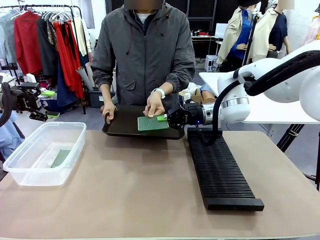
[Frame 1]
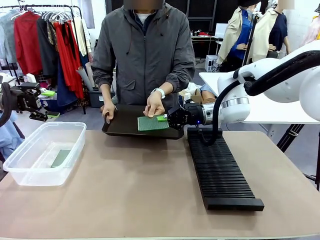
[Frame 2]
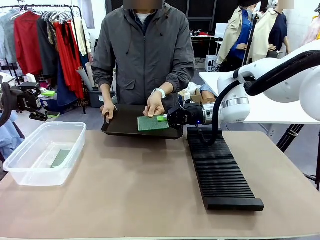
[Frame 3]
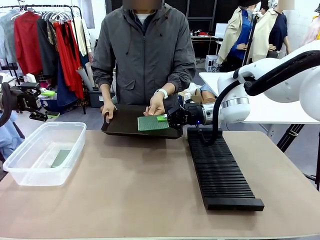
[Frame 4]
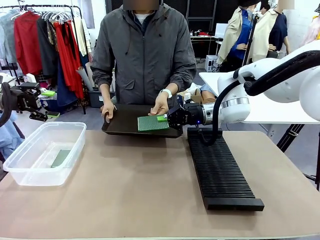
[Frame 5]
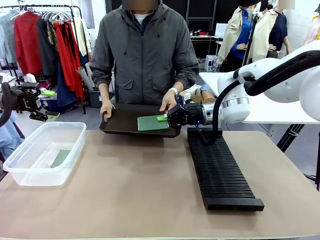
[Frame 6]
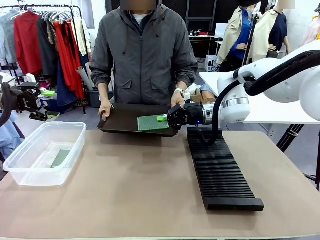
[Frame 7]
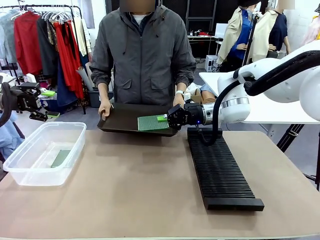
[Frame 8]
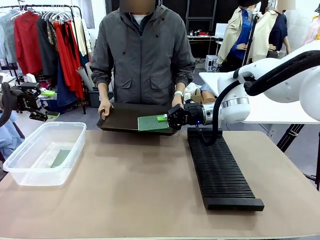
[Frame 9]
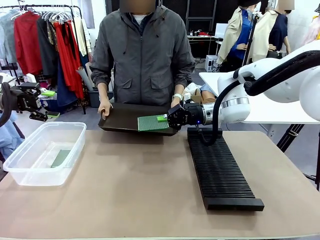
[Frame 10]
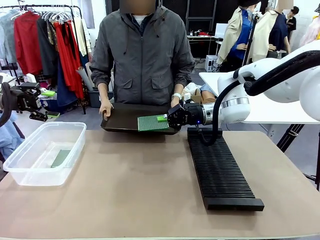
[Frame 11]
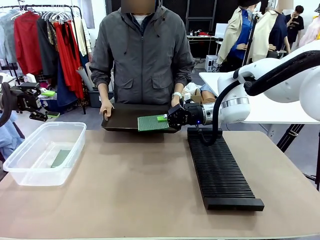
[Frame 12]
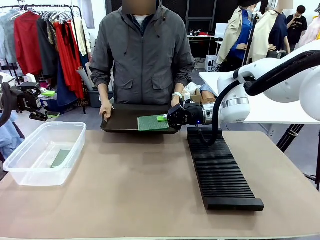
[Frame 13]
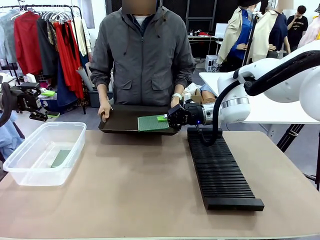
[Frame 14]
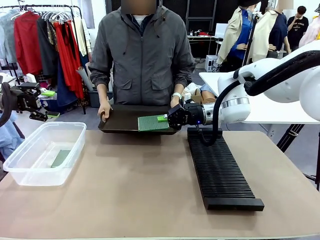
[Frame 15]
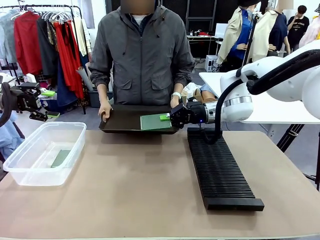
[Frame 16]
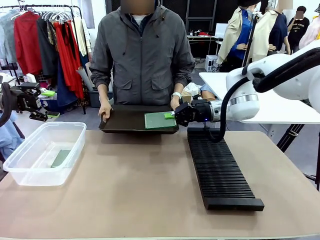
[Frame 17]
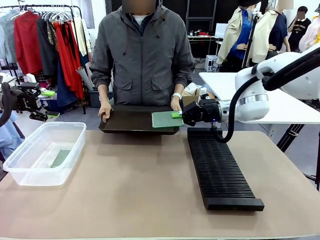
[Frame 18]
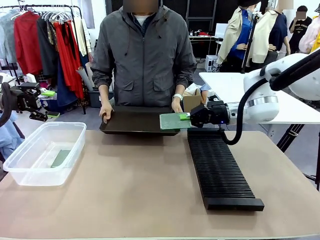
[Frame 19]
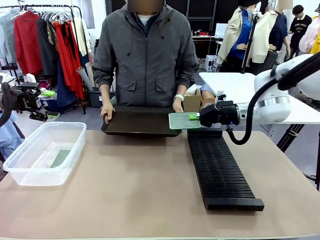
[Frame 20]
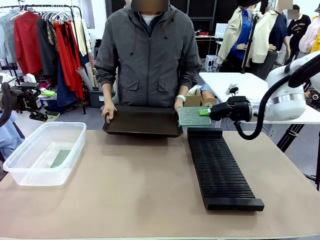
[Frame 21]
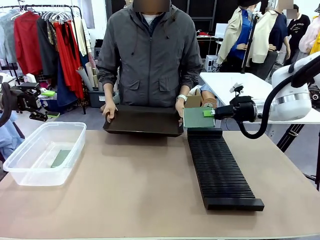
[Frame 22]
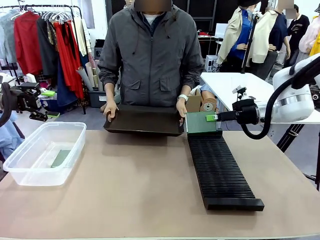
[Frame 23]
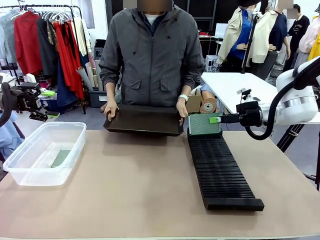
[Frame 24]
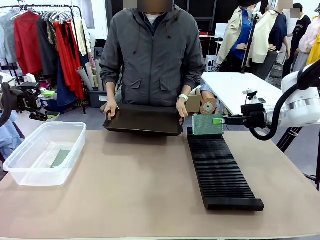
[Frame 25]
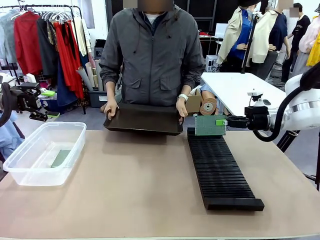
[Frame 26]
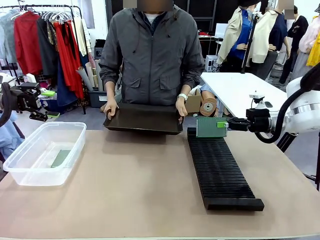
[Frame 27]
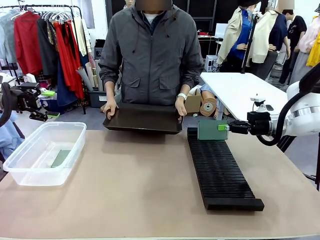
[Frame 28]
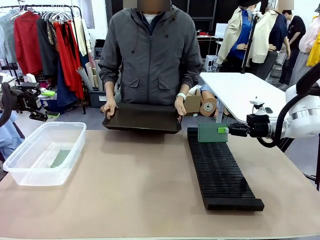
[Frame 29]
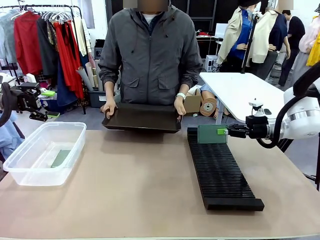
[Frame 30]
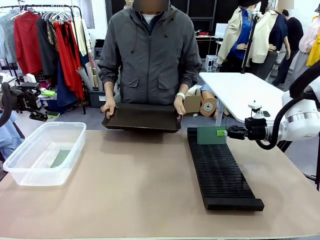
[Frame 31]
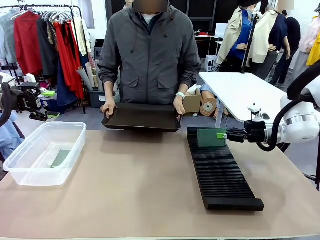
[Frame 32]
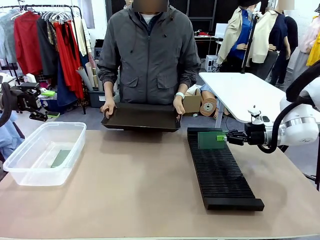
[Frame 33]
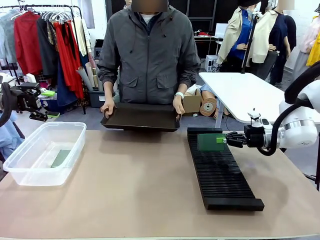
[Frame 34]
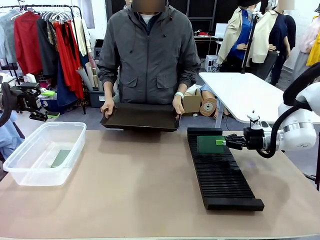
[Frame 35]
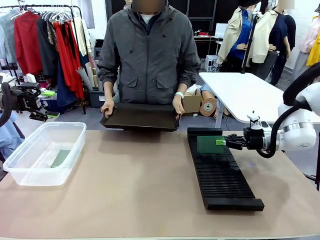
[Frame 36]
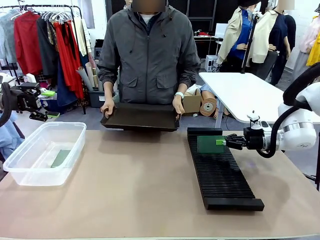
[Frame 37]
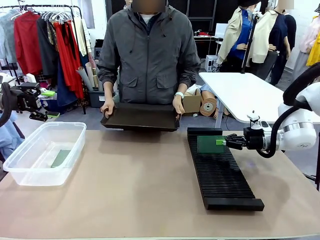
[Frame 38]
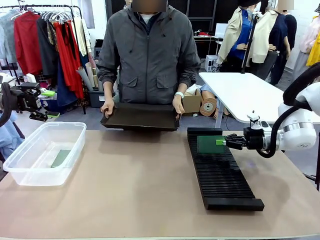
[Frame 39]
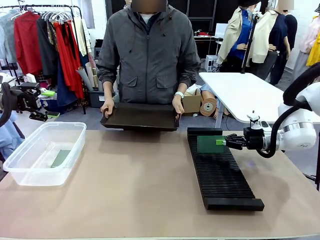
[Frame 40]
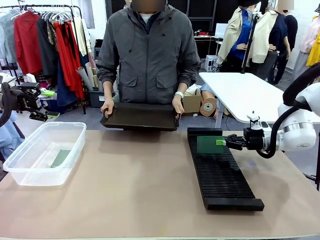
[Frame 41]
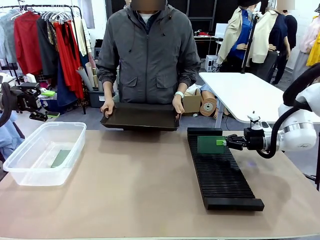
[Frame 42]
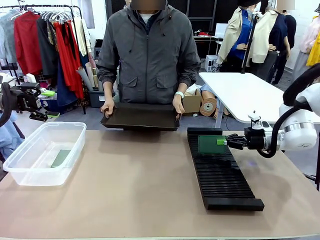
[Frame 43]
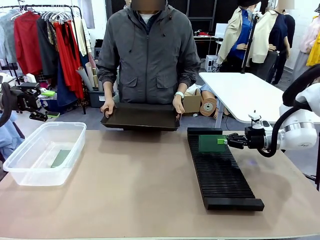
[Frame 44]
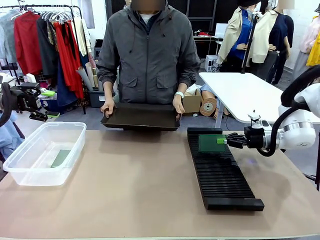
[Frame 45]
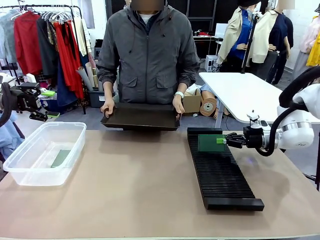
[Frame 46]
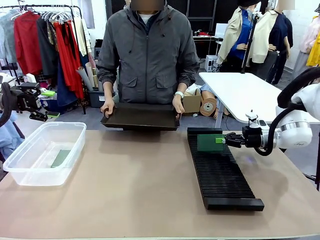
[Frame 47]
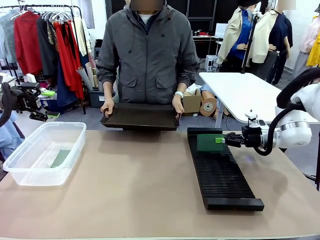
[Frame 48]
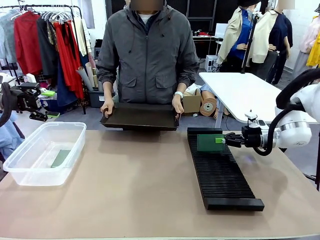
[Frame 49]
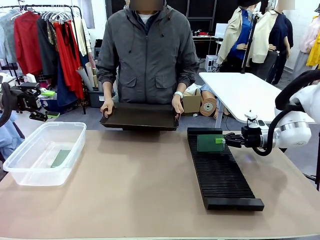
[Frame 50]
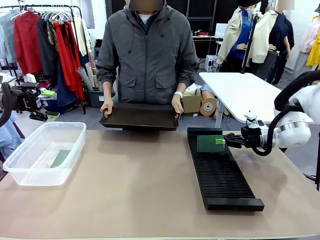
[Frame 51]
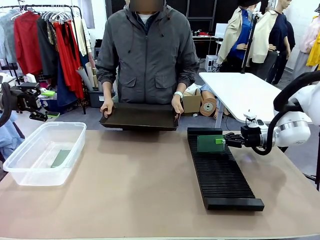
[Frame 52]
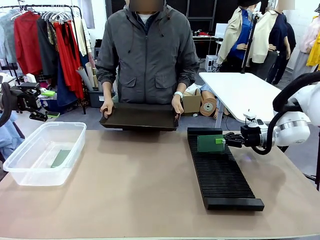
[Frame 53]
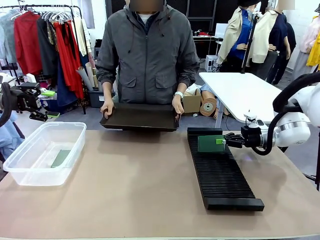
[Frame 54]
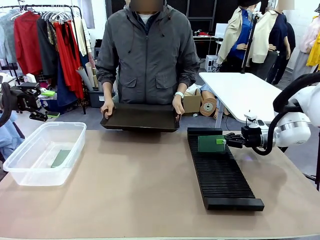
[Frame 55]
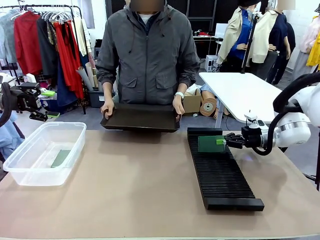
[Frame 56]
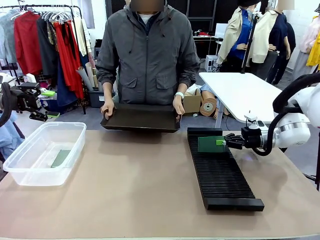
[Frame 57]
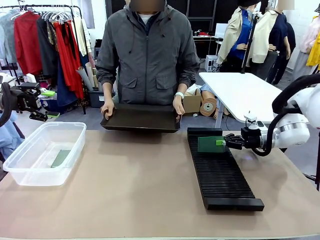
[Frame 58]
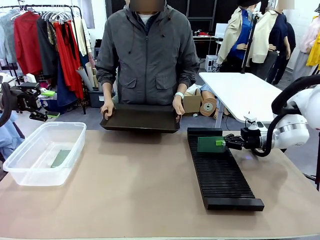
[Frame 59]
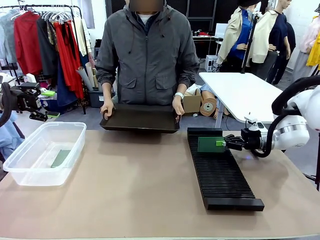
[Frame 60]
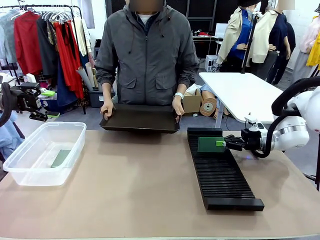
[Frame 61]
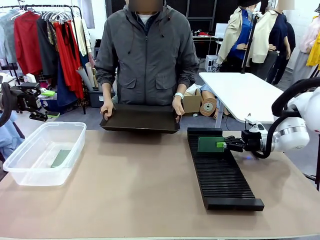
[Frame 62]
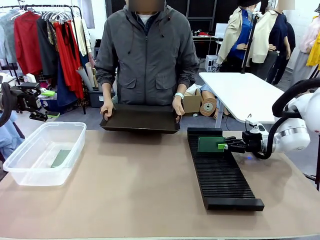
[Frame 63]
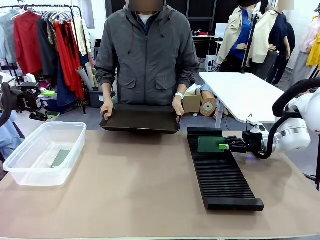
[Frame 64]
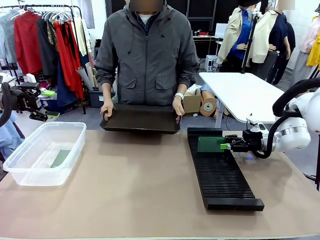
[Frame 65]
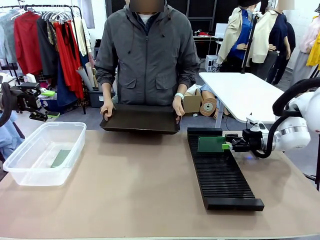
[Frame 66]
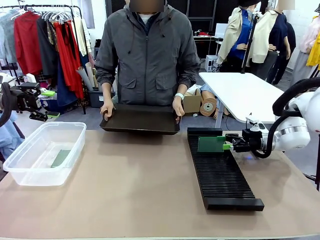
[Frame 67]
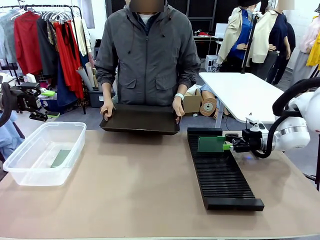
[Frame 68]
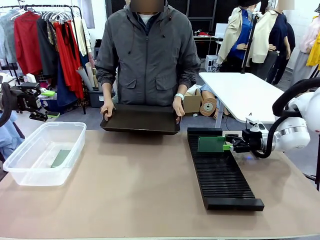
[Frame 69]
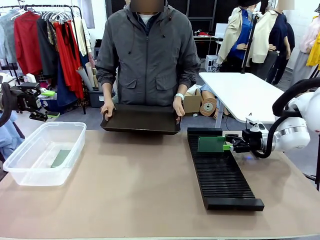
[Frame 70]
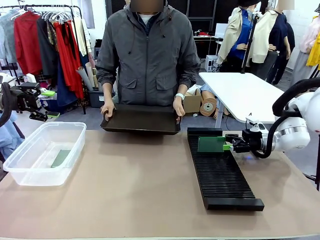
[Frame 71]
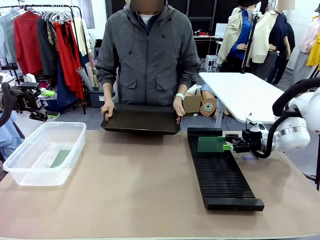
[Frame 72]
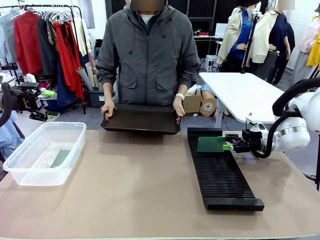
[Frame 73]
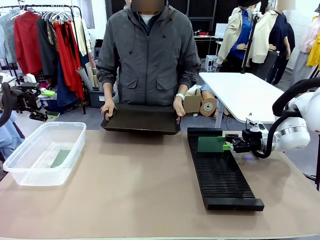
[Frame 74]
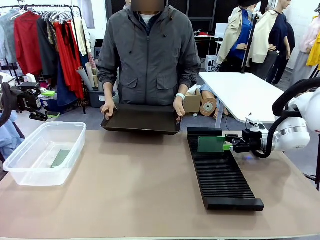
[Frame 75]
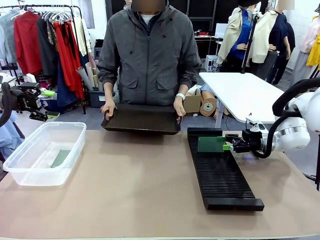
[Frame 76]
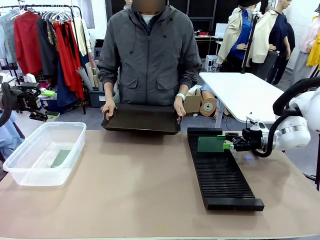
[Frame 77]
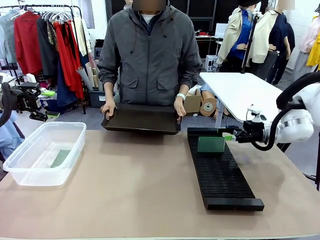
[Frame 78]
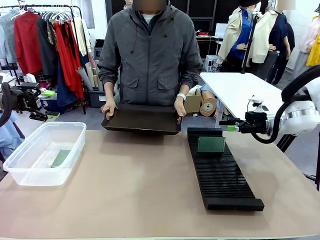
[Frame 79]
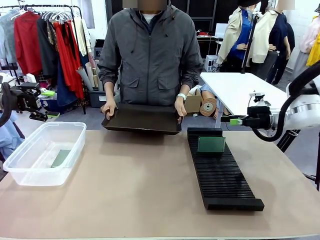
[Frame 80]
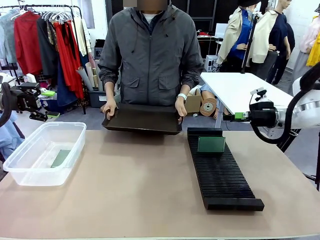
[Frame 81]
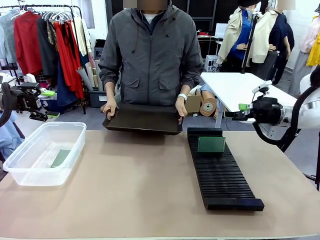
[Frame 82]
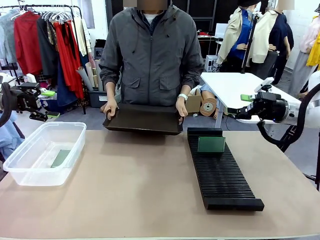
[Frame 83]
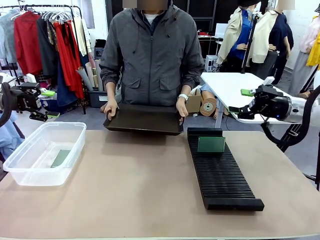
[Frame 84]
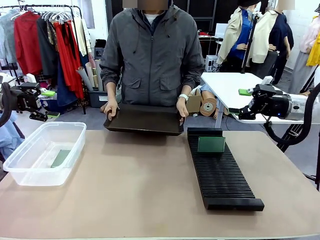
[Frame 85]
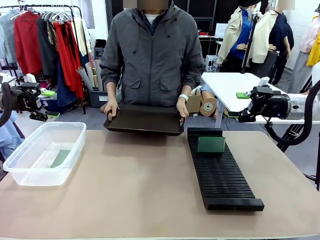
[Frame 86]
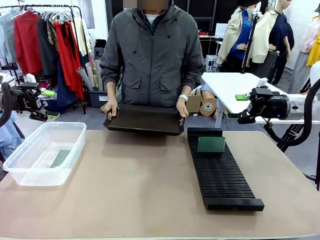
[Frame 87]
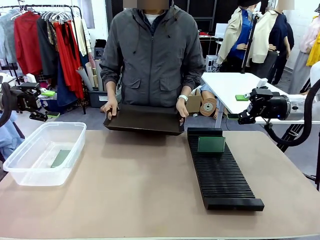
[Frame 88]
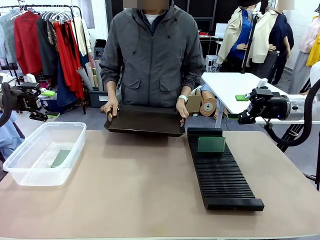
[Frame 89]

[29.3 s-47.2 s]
Task: Sort PCBs into racks and boxes based on the side picked up.
Robot: If the short side of the Blank PCB is picked up, insert it into the PCB Rack ; if the long side is picked up, place it in the Organizing box.
Person: Release the PCB being held.
